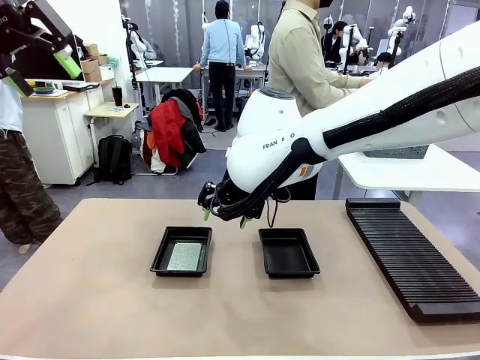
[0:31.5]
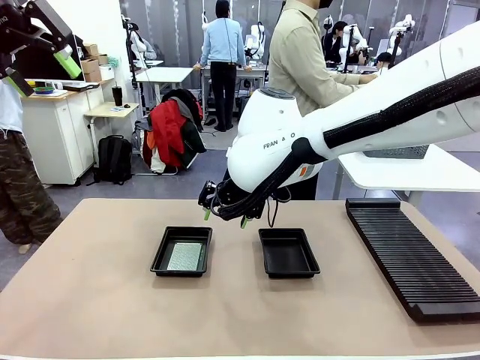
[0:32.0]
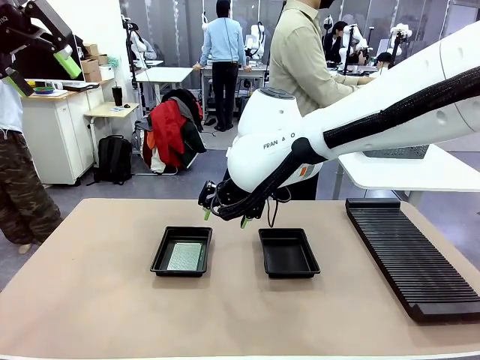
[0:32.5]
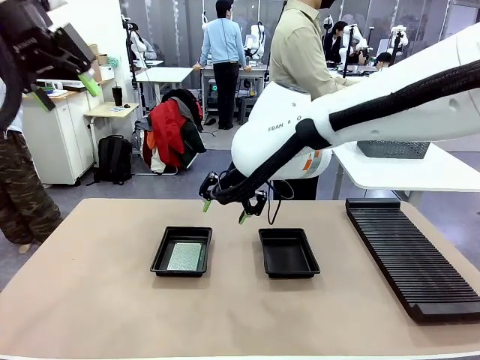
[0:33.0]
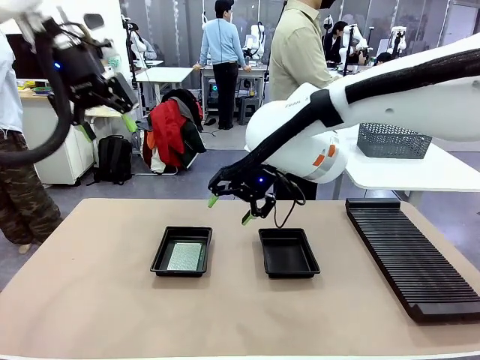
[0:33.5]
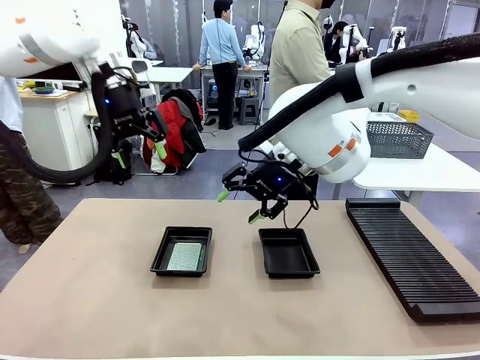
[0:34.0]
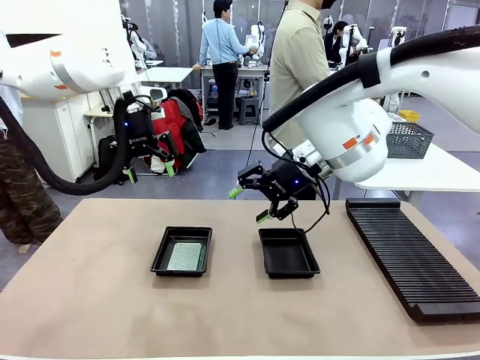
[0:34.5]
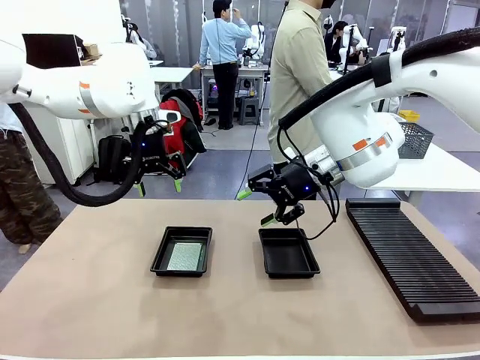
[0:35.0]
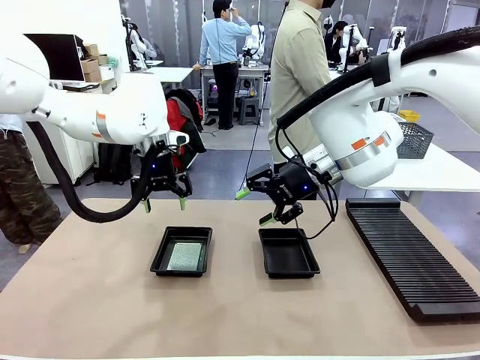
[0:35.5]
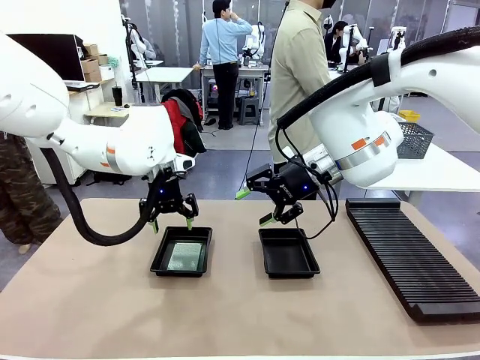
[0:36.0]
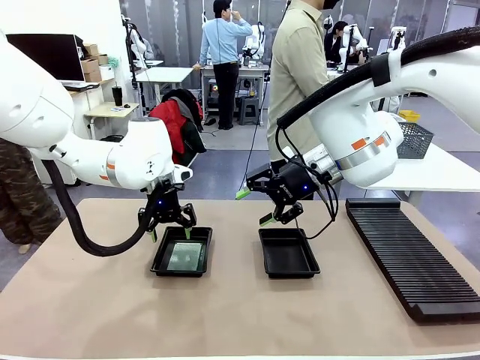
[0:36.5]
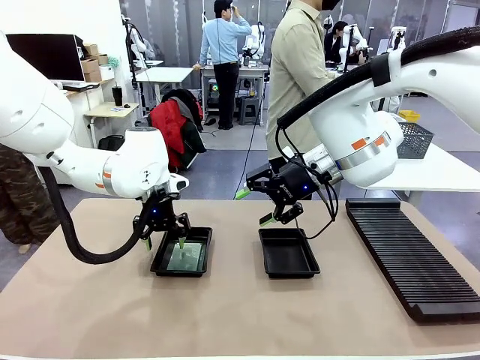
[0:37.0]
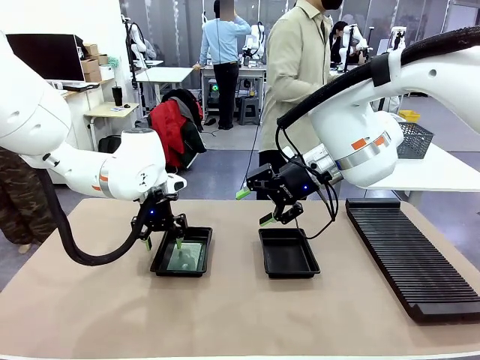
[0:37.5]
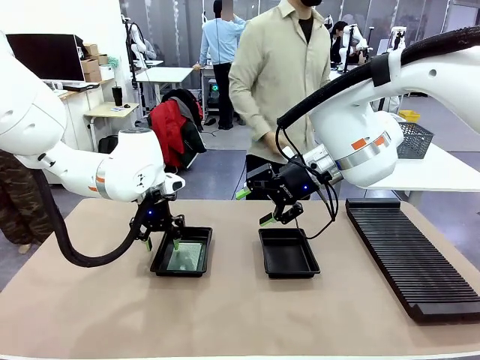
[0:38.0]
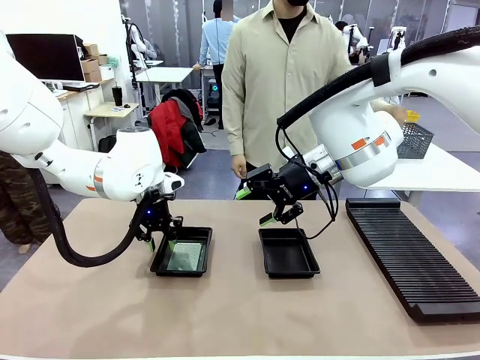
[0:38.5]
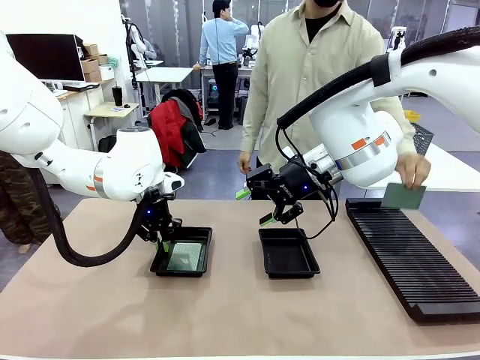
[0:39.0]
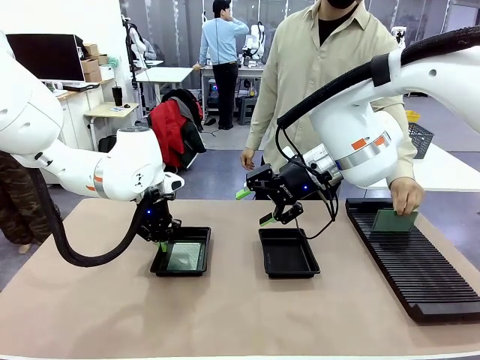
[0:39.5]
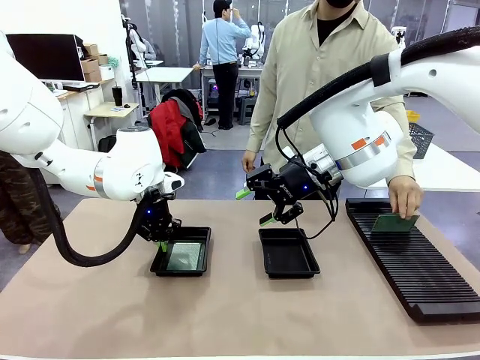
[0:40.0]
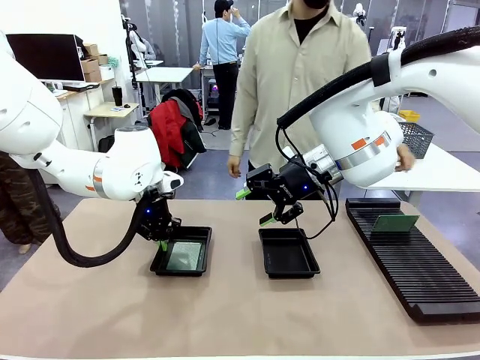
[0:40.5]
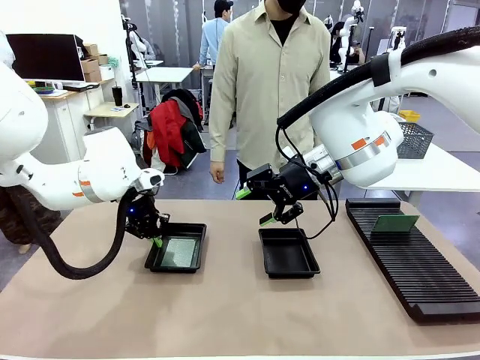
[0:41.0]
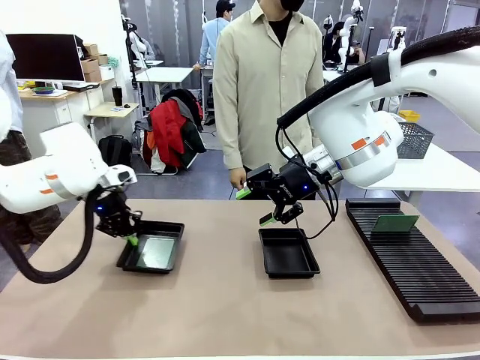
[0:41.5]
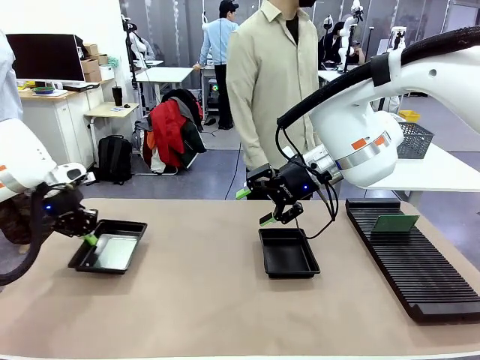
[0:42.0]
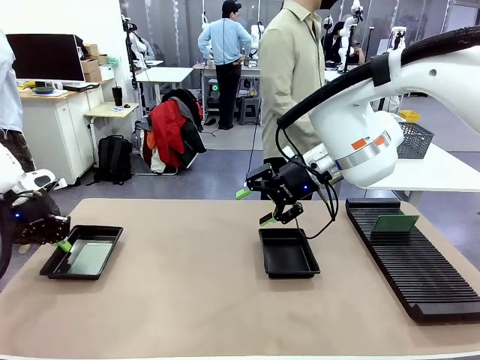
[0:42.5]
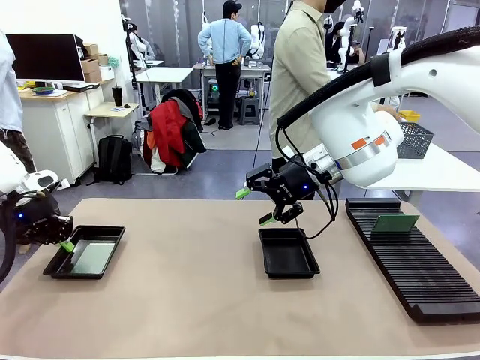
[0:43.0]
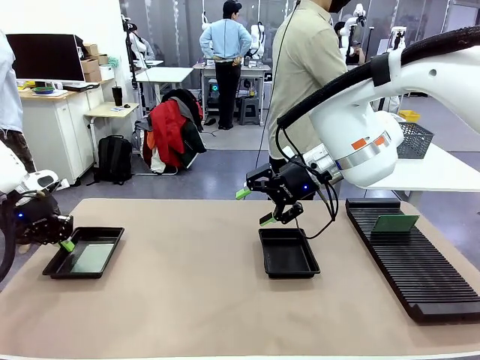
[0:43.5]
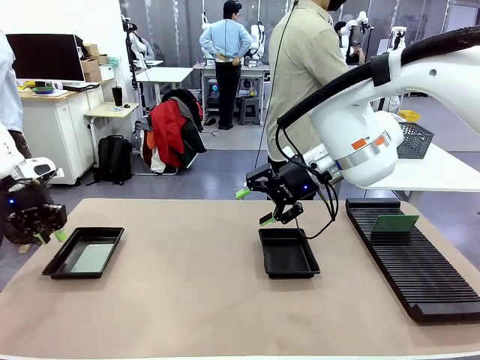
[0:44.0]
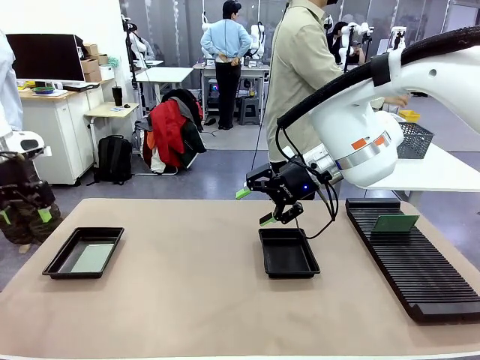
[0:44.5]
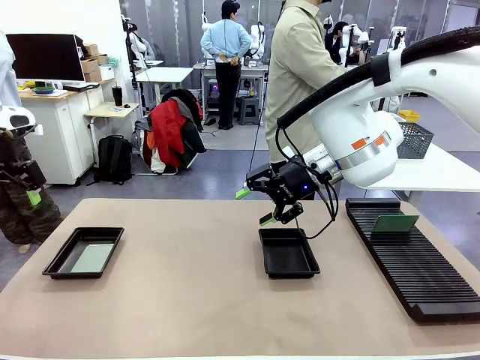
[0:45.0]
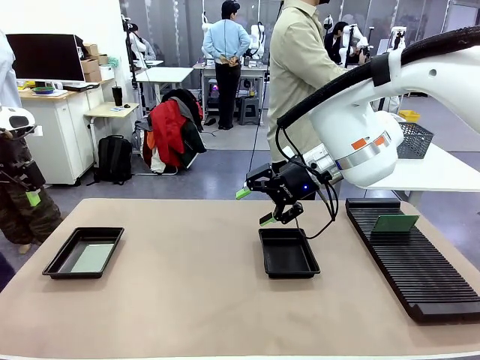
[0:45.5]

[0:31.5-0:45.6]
Task: Inspect and transfer BCBs to ESD trays.
Robot: Pick up the ESD tray and place it on the left side of the table.

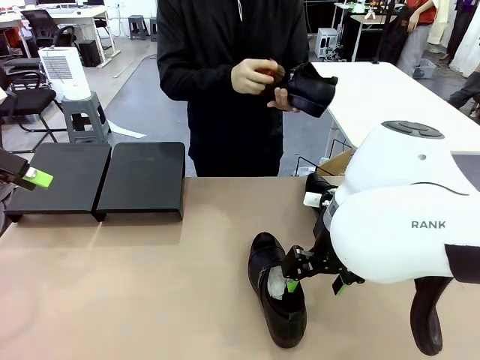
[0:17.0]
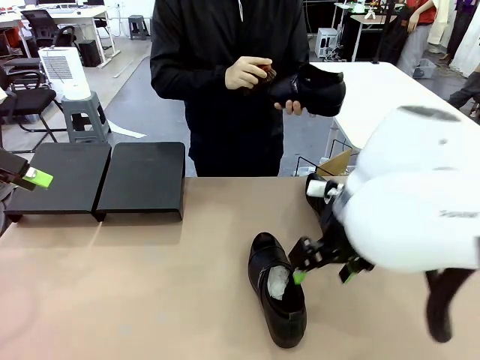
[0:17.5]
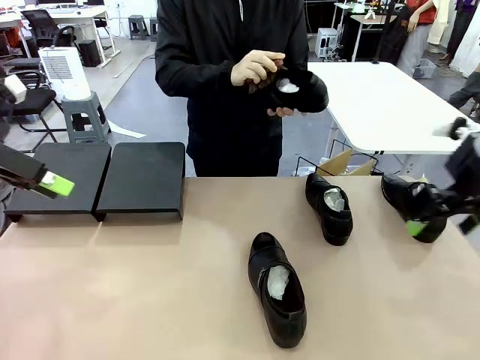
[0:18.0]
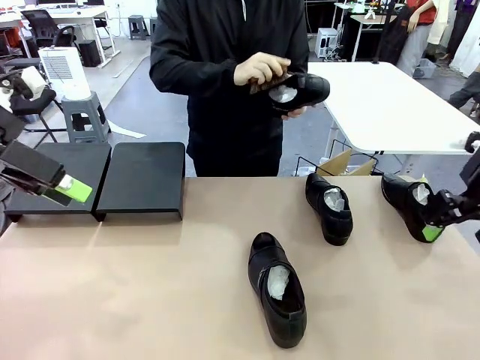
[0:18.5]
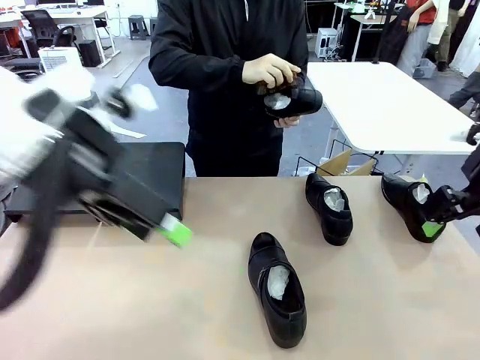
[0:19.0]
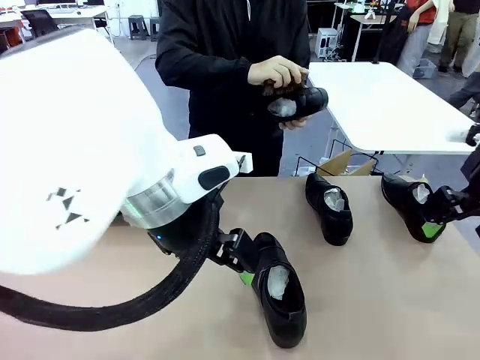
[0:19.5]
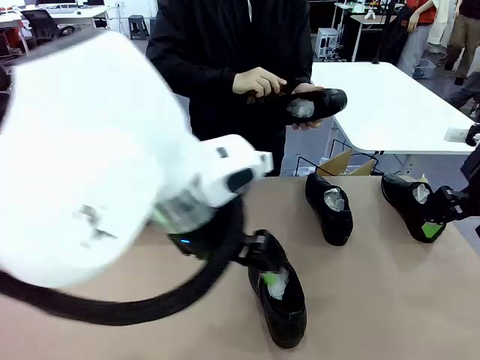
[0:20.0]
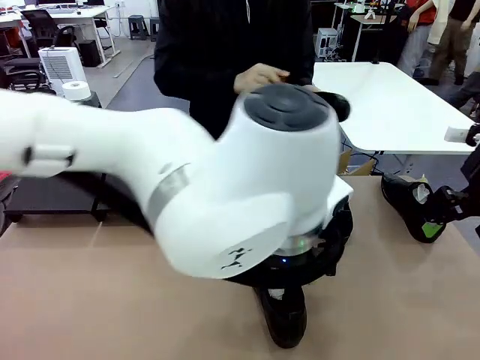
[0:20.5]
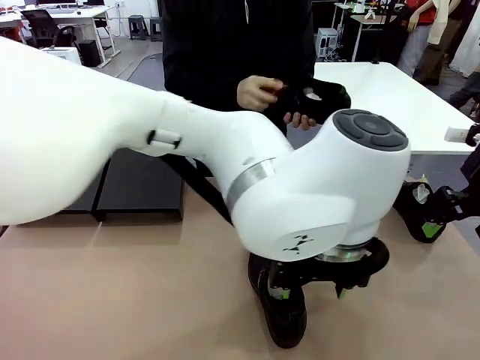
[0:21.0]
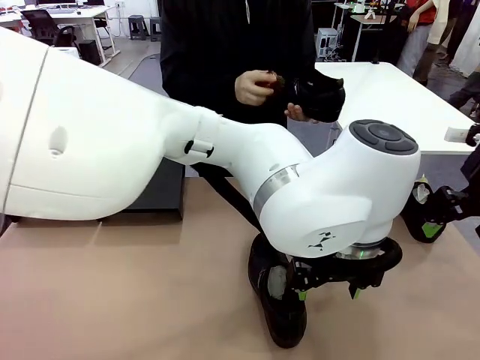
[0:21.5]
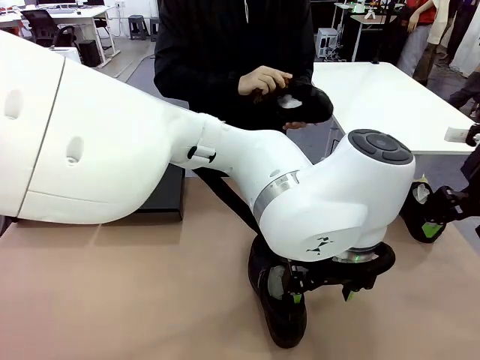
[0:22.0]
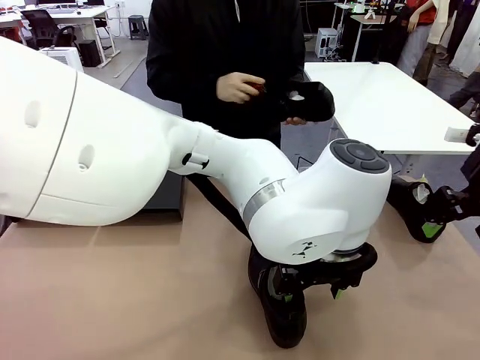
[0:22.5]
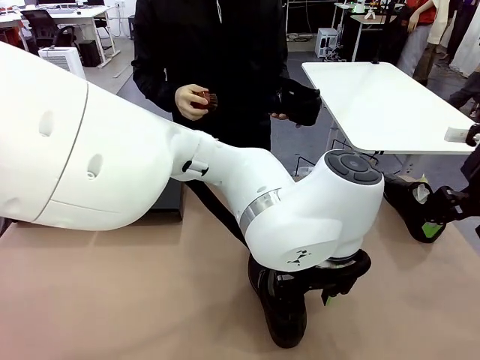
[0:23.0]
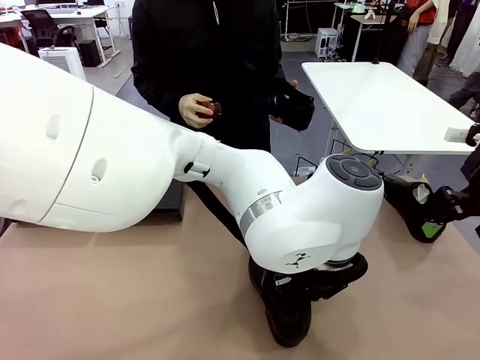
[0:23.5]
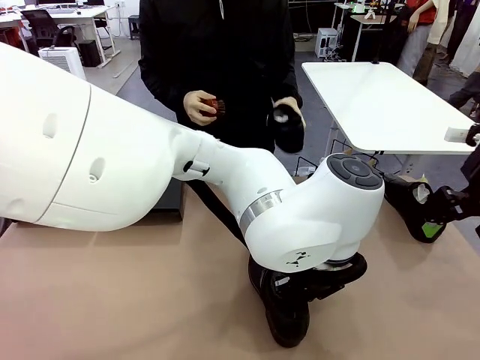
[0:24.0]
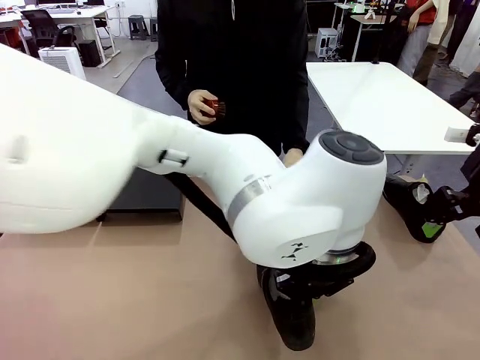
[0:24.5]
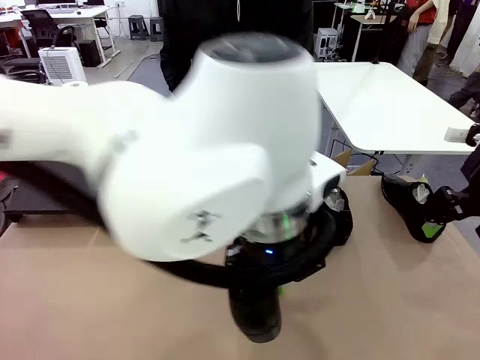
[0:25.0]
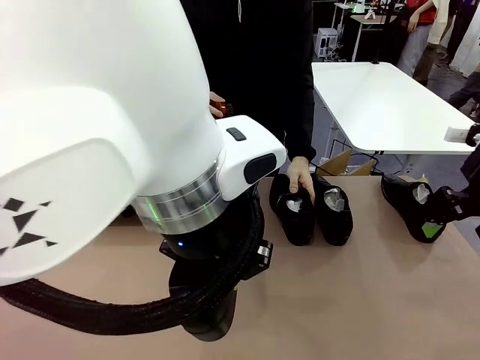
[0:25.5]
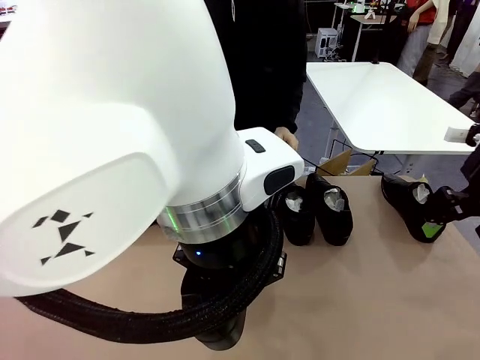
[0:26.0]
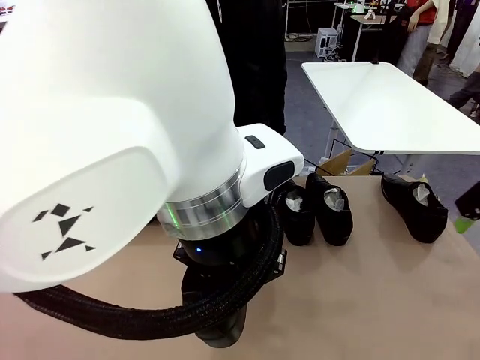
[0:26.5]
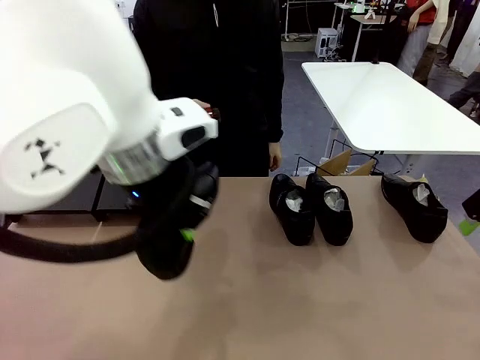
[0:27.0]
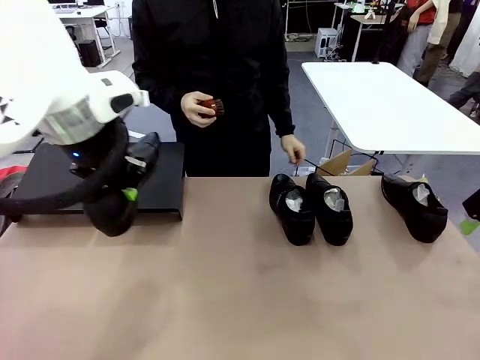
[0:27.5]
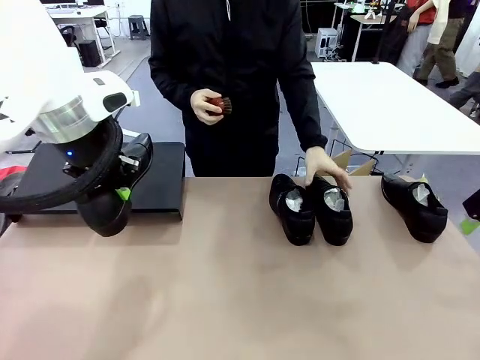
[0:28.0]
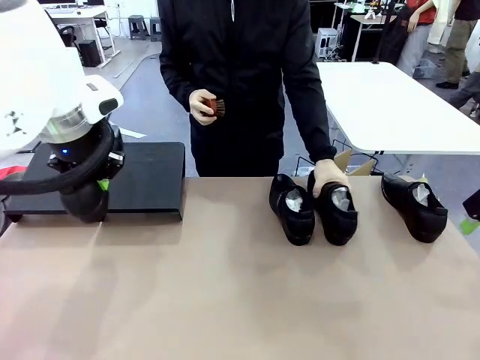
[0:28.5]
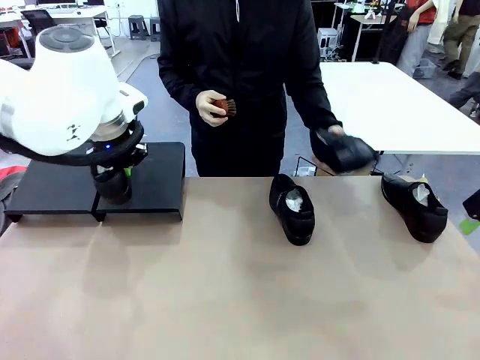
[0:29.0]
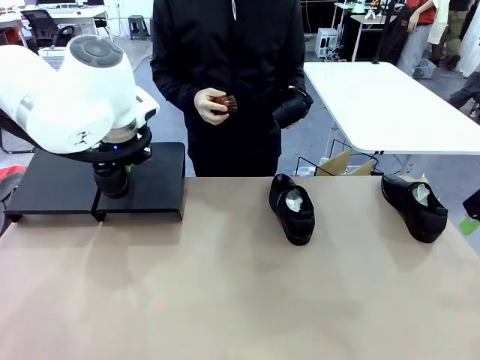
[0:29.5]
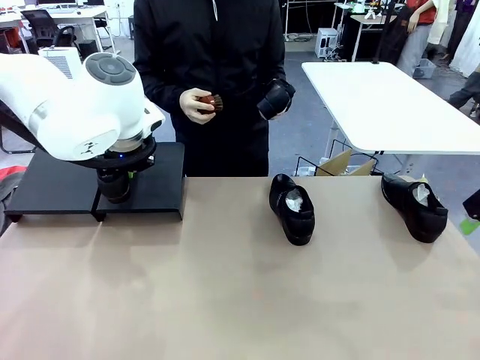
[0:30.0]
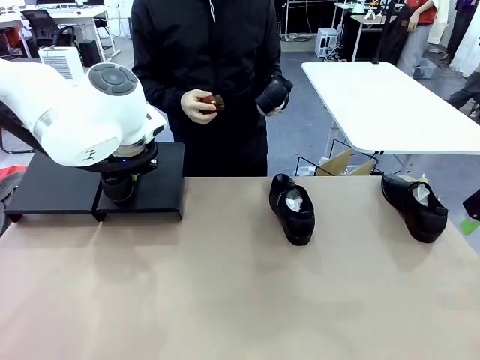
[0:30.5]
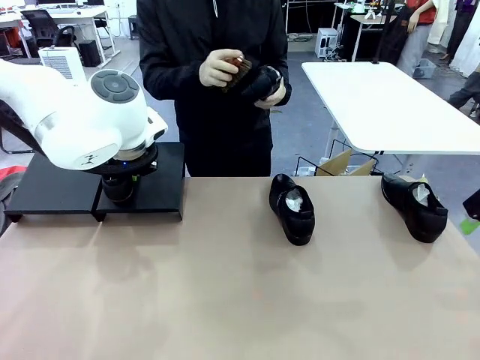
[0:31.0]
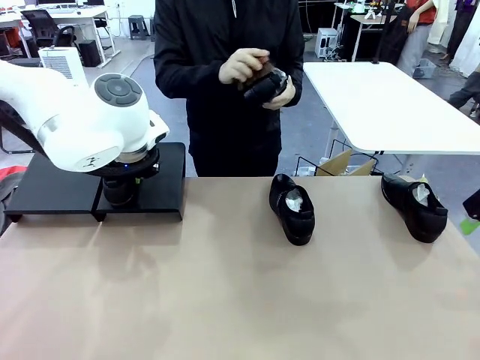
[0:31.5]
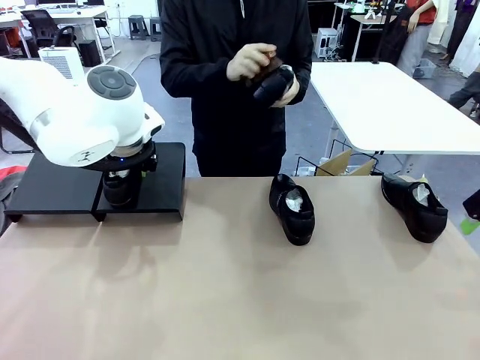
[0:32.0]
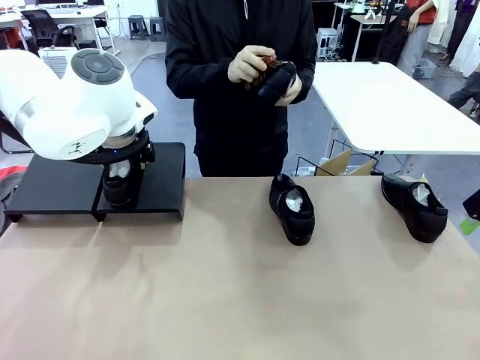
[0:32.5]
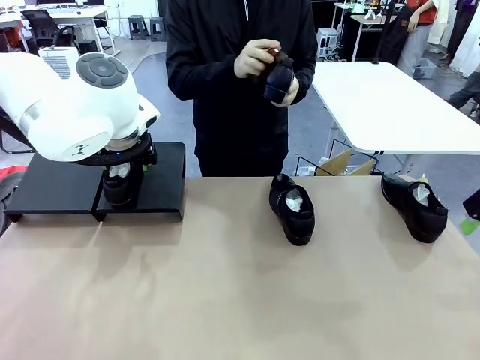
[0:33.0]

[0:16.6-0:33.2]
Task: Organize the shoes by placing them on the stand.
Robot: Place the Shoe from the middle of the table onto the Shoes Stand.
Person: Place the Shoe on left side of the Robot's table. Pick one Shoe on Robot's table.
